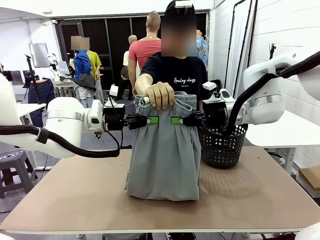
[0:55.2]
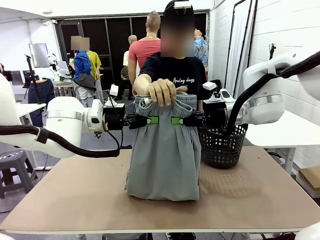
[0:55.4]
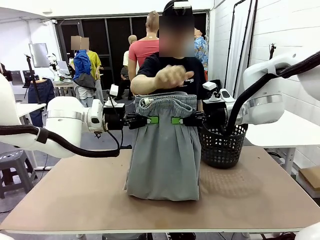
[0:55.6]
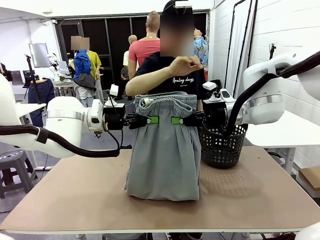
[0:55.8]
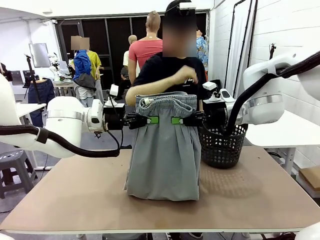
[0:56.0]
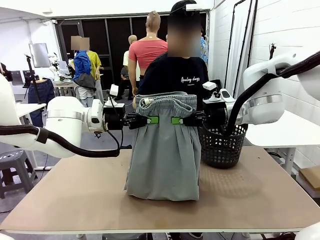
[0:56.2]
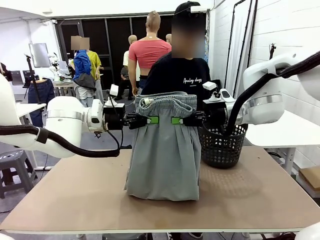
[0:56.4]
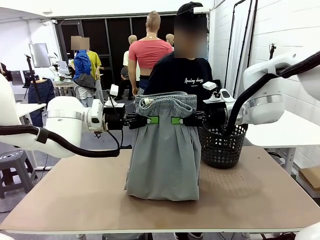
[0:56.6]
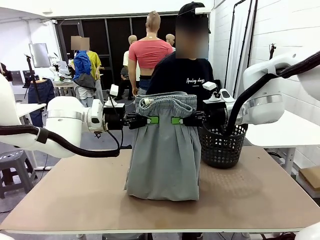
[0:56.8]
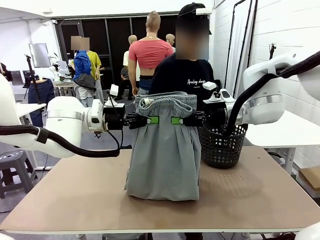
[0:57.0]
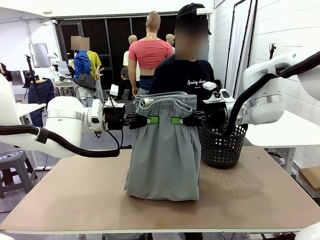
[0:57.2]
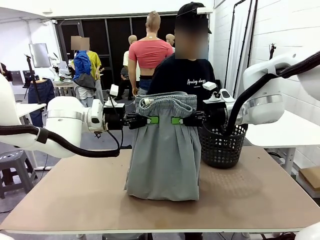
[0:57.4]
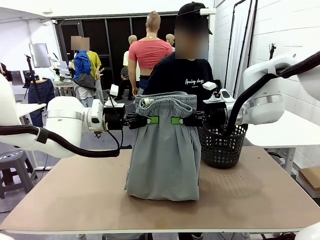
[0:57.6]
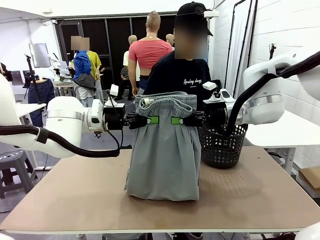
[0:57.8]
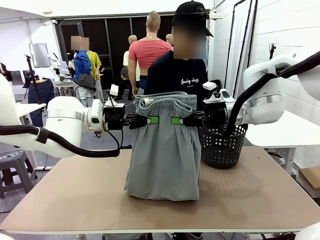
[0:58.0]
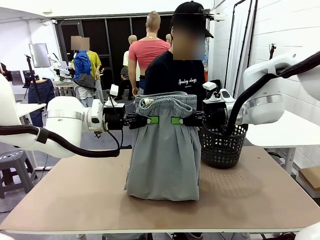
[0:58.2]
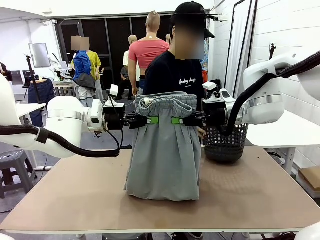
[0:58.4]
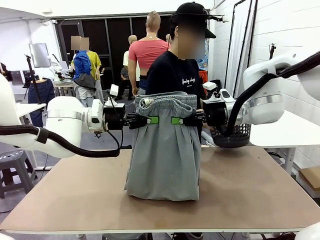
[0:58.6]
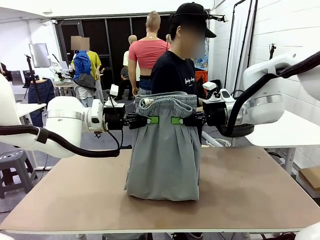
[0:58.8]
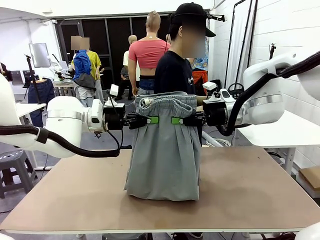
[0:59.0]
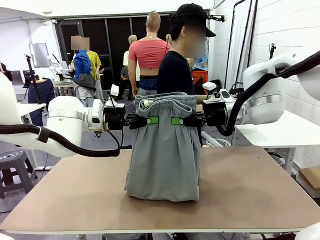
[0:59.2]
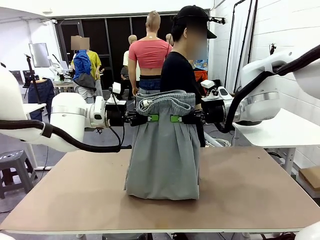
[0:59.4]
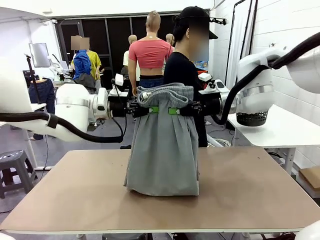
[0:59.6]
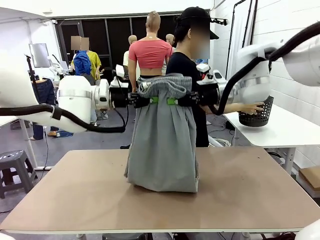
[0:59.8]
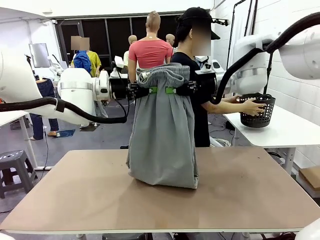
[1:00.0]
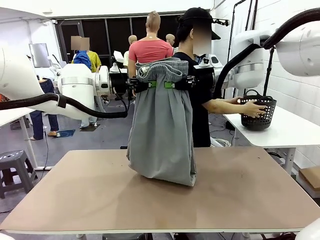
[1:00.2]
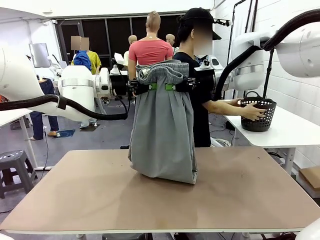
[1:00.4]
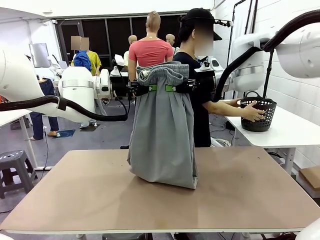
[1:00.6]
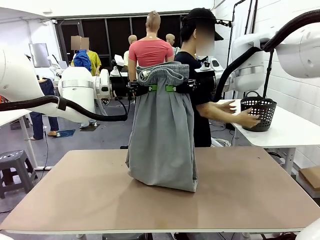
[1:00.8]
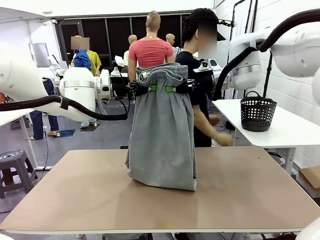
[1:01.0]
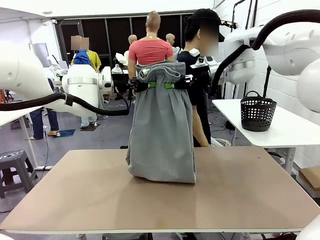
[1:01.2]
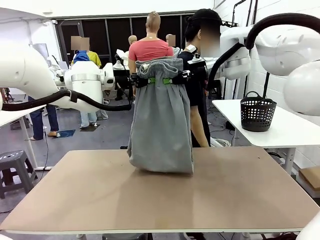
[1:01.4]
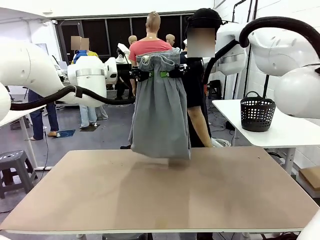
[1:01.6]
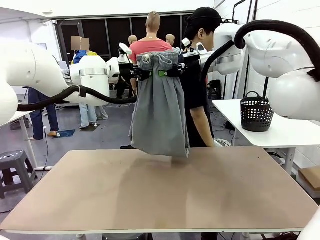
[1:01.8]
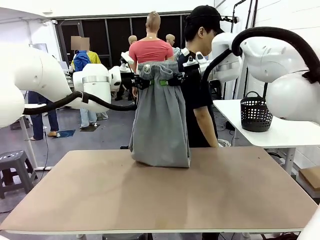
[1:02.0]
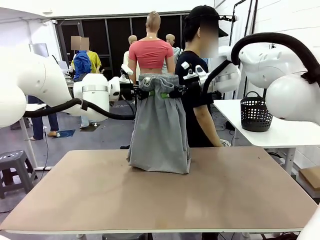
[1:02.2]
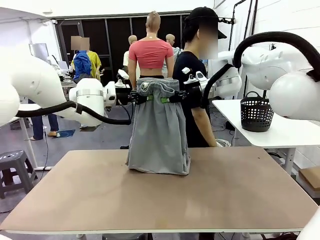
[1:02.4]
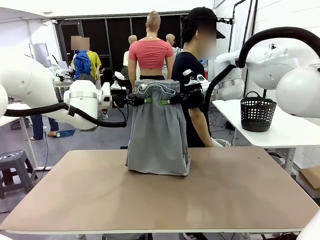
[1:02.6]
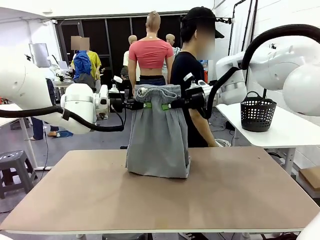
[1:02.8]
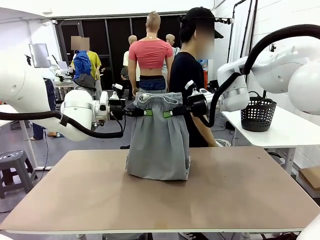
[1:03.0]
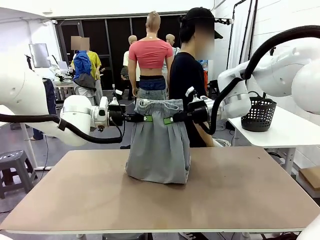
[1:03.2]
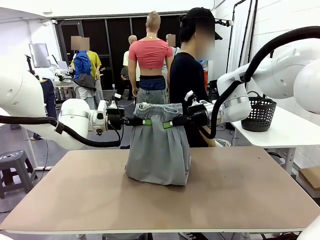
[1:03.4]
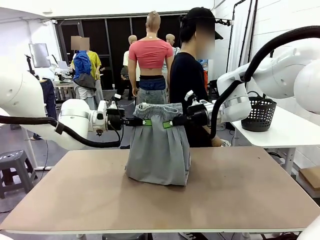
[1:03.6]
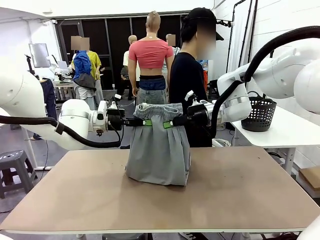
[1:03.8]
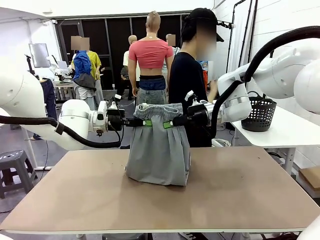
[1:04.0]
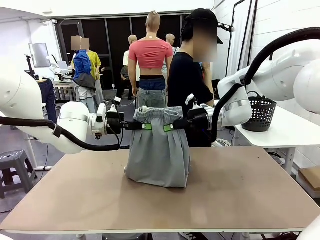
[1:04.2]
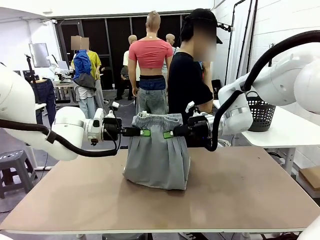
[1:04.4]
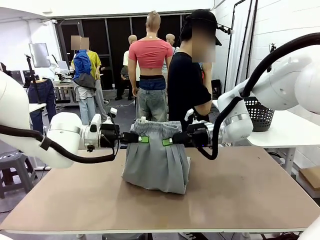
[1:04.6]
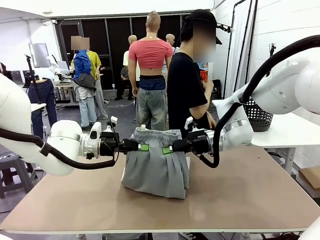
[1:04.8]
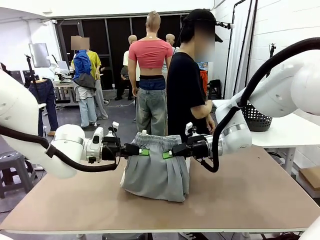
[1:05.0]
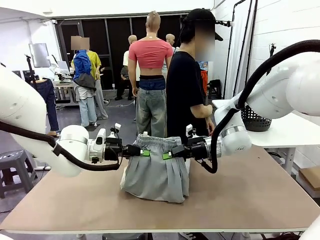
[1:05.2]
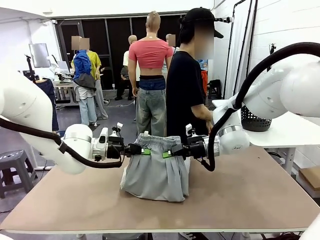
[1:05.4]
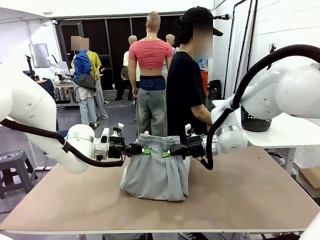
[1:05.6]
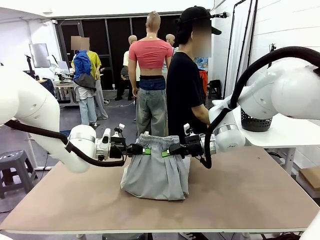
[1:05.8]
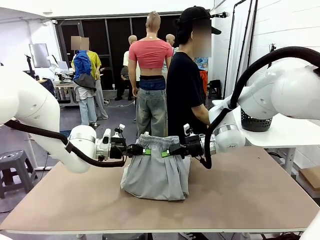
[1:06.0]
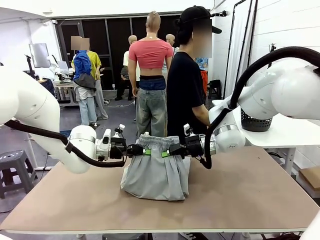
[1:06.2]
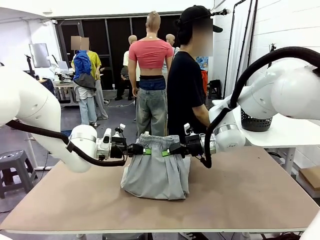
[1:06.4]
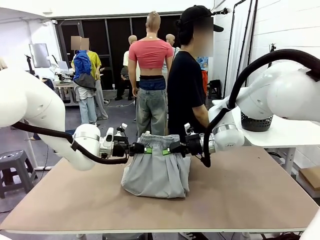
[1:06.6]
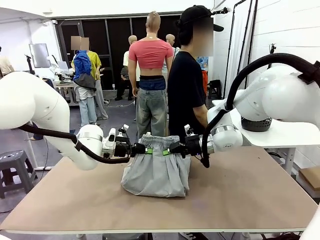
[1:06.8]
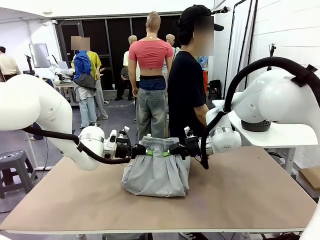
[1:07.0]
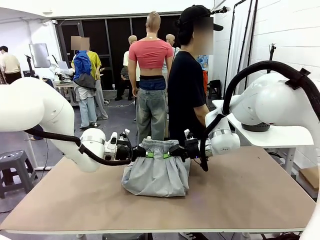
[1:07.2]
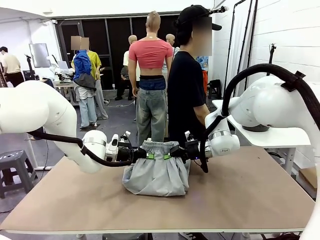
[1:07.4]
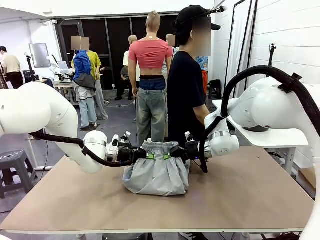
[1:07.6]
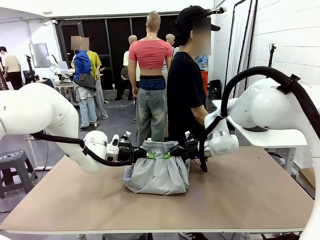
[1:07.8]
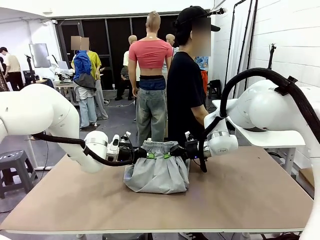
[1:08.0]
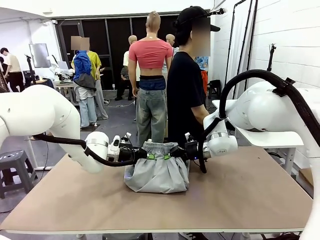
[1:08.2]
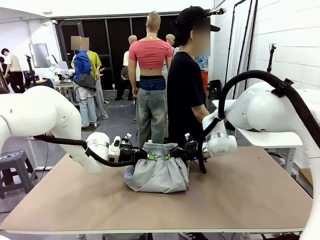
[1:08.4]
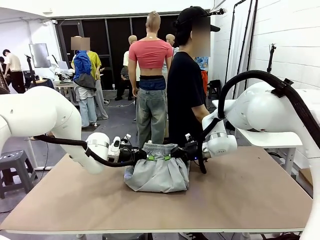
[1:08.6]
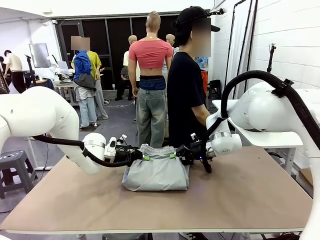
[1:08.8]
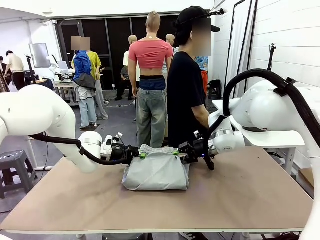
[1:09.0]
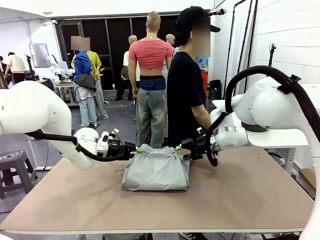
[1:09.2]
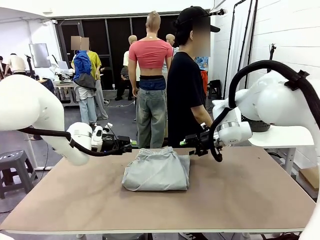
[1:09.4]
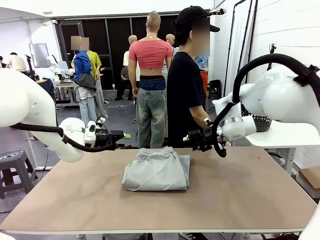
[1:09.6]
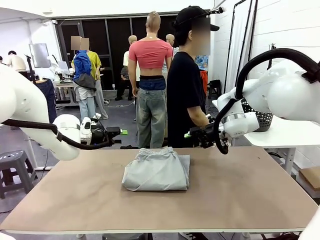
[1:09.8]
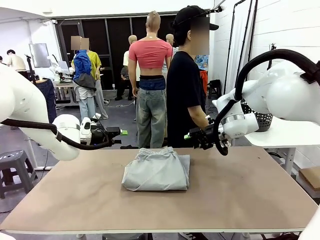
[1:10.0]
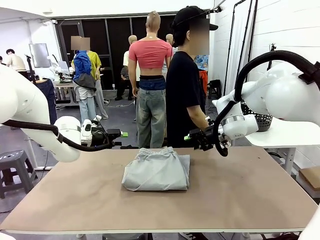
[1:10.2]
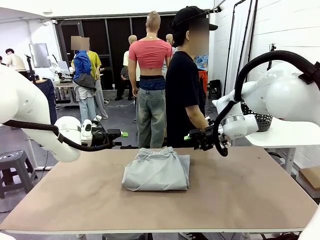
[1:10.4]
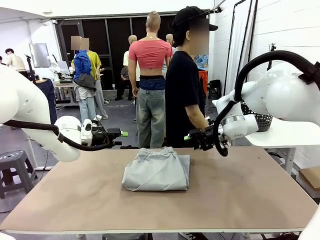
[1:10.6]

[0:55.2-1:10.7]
Task: Fold the training pants.
Robot: Fold the Training pants in half.
Person: Move the laundry basket to the right of the human table.
